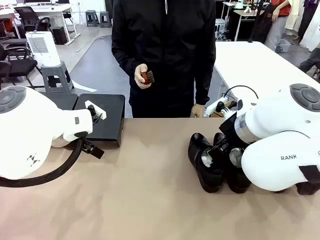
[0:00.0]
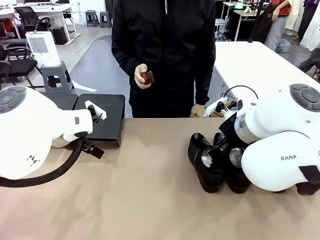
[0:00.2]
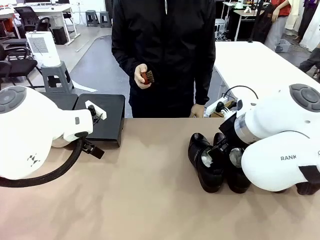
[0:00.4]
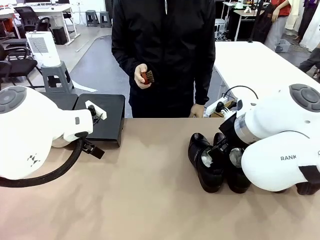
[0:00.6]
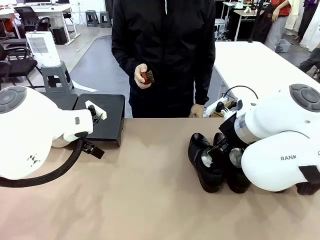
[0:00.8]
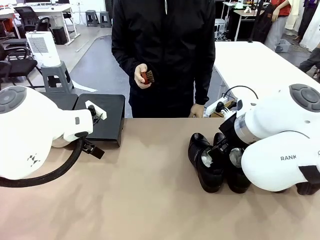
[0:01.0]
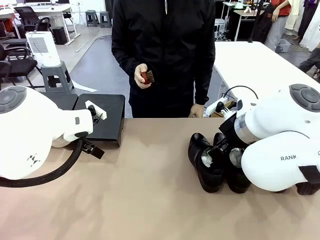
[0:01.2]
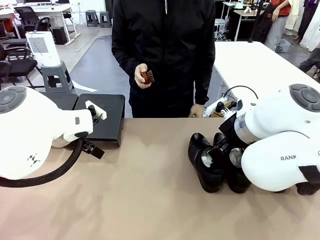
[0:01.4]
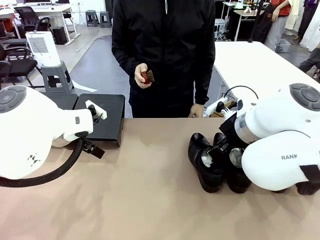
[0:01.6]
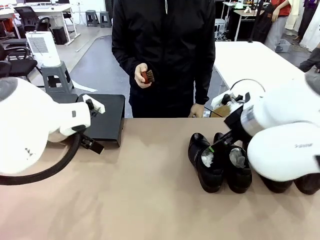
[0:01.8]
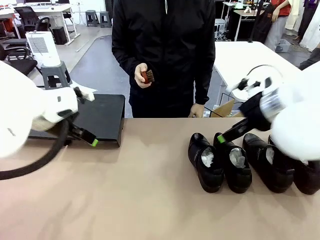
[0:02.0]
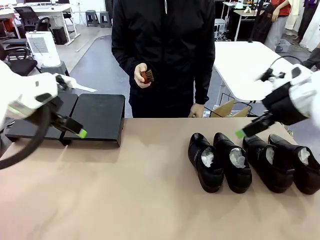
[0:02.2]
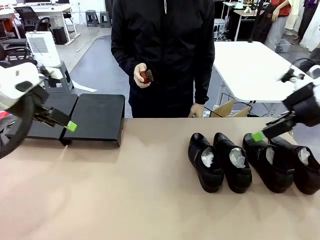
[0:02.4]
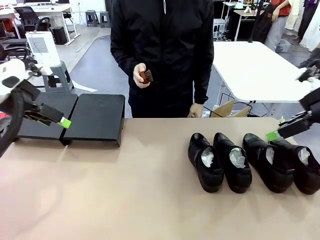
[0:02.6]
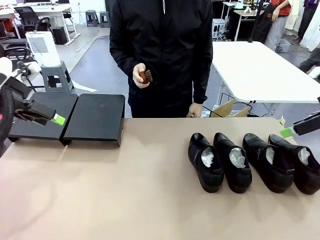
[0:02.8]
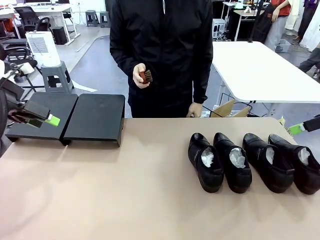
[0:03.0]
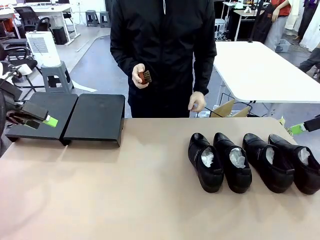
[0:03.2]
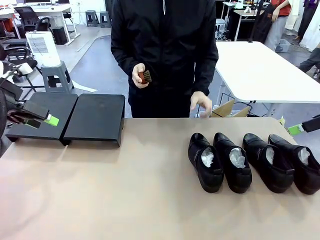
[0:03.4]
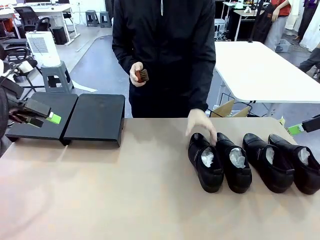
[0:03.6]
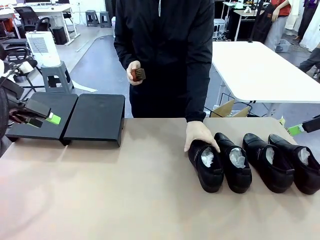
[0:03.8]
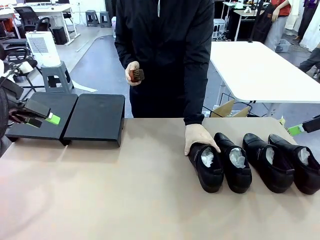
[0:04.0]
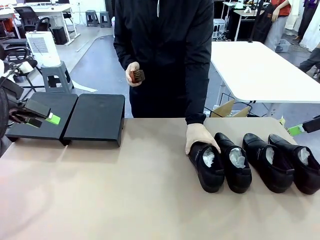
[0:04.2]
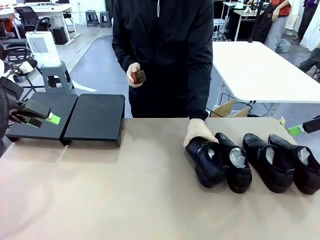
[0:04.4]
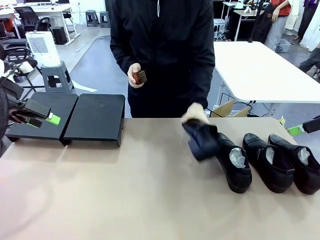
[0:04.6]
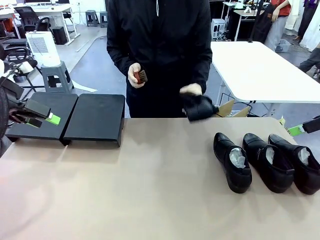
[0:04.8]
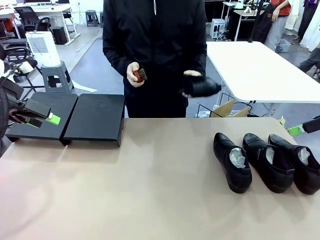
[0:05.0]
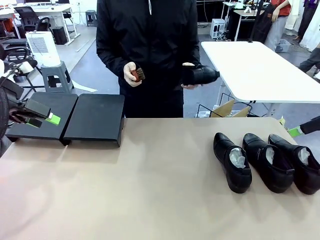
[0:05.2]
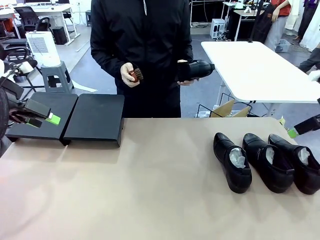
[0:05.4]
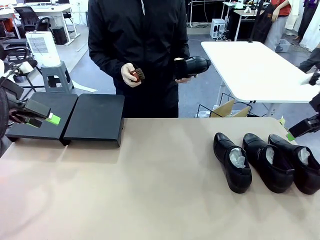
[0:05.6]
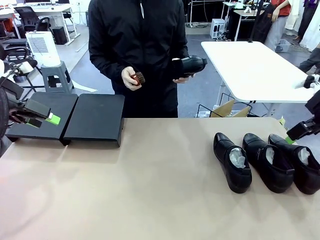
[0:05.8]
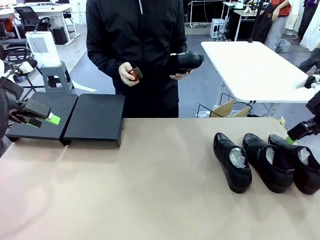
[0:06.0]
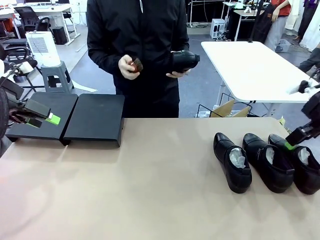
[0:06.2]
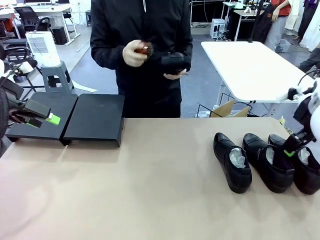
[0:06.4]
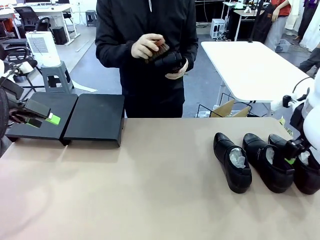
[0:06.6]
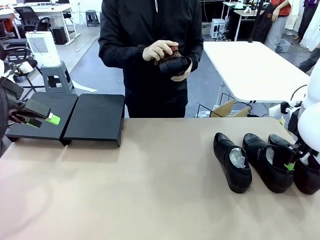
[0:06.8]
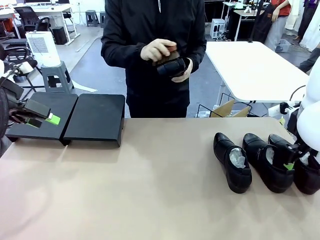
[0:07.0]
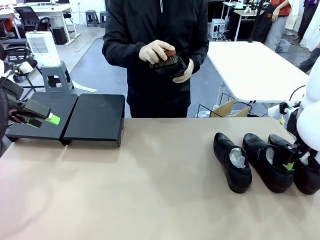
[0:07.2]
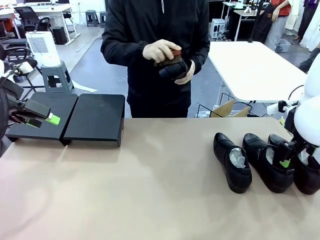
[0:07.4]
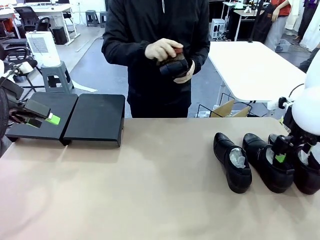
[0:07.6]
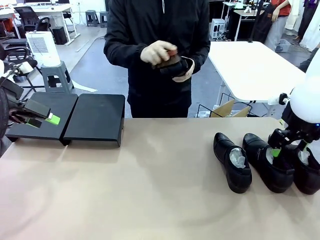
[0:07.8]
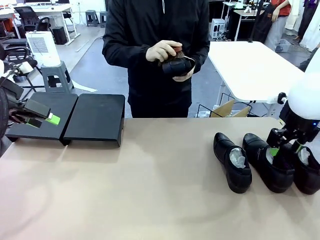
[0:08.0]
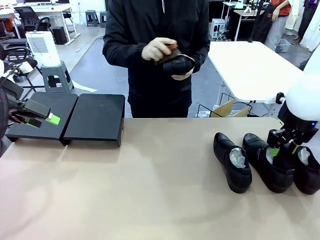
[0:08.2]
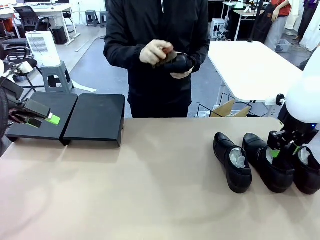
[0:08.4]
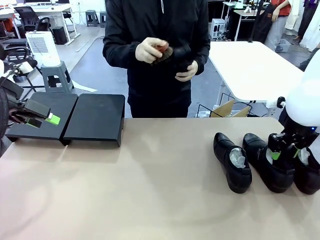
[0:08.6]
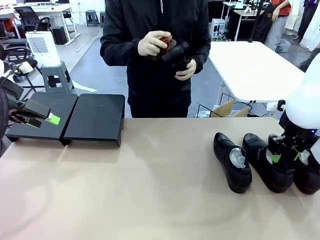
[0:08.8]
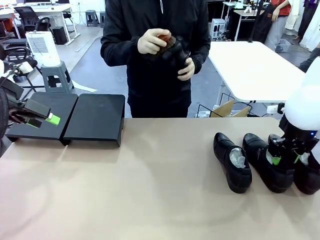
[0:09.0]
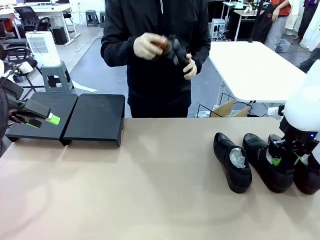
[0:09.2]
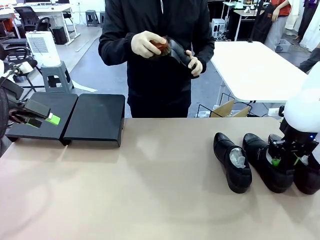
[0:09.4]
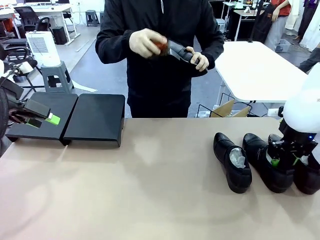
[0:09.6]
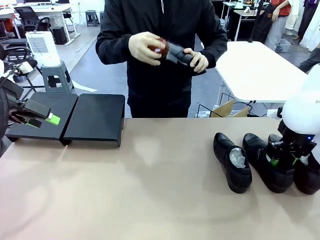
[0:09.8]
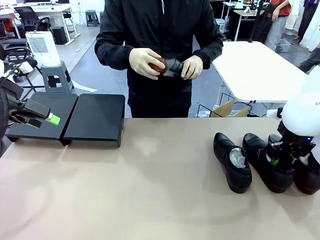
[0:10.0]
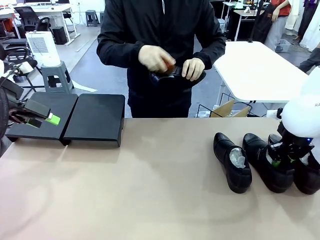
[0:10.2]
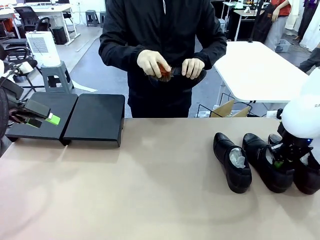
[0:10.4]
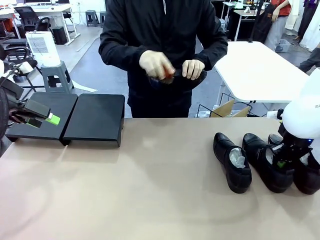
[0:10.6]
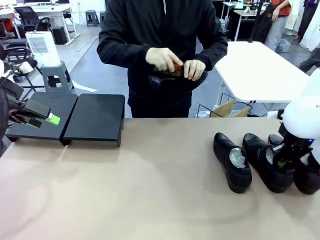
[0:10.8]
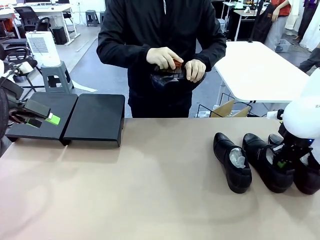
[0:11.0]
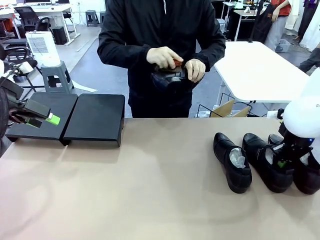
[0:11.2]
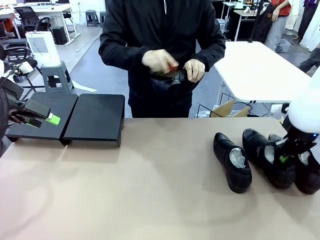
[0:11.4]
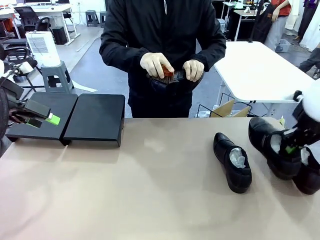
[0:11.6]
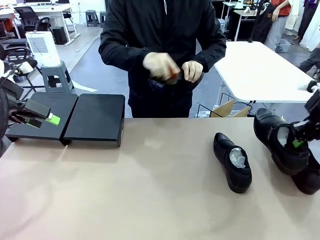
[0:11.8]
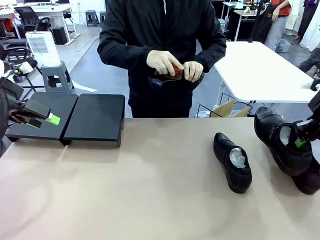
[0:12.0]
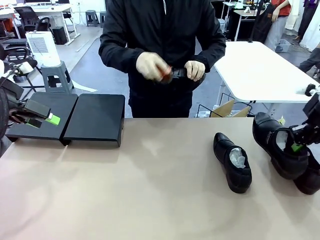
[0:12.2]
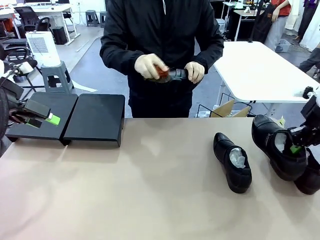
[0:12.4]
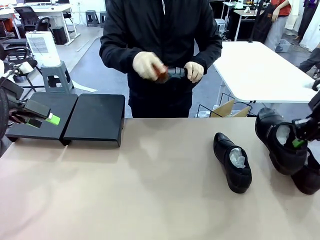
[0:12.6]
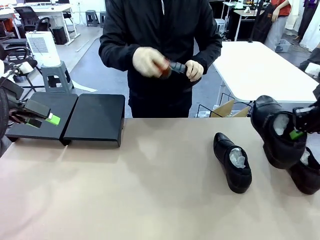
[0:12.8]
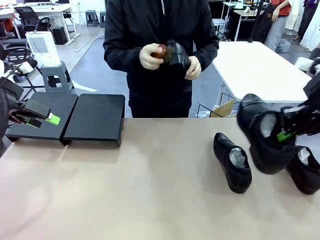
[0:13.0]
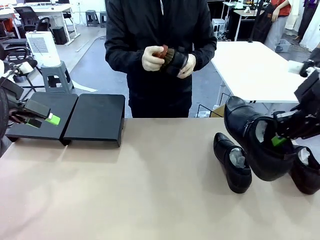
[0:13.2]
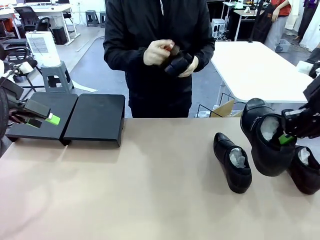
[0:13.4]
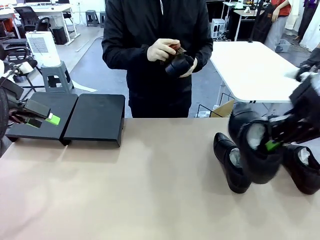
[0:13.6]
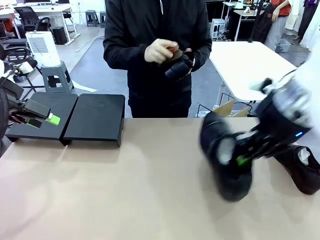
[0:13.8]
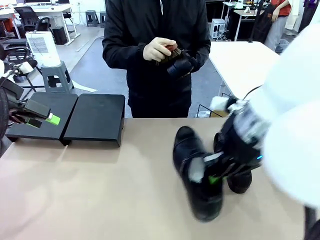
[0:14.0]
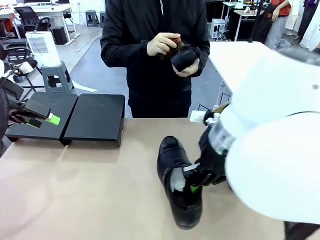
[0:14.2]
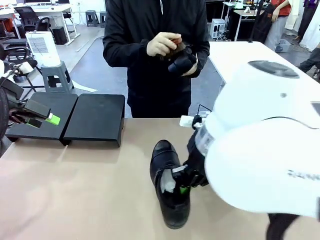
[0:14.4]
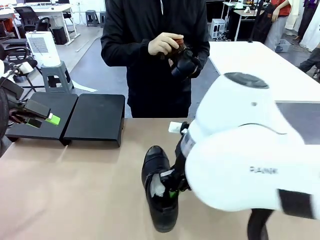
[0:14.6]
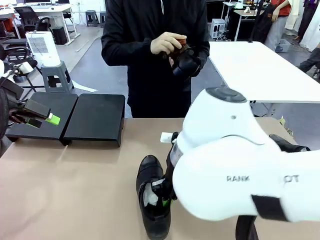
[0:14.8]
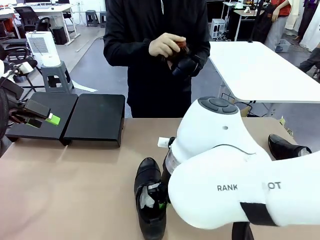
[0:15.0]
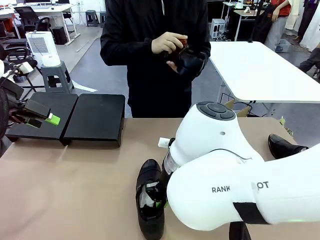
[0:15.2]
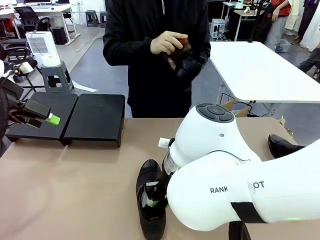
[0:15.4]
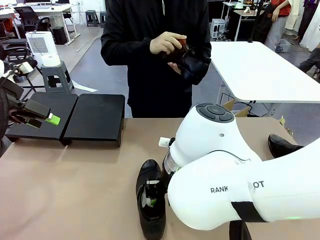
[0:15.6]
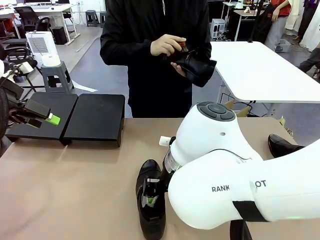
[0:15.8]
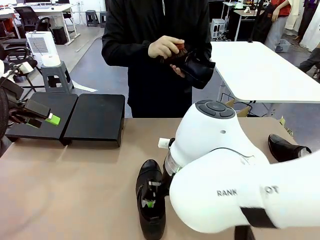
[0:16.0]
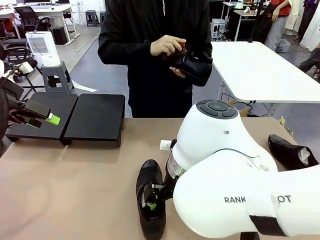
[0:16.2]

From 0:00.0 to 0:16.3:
Task: Organize the shoes by placing them on the stand.
Robot: Pick up one Shoe and place it in the middle of the table.
Person: Pick one Shoe on Robot's table. Clean the Shoe with the Shoe Brush.
